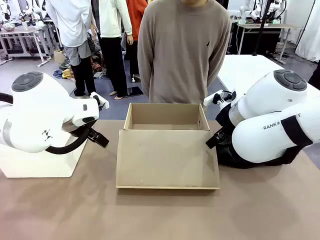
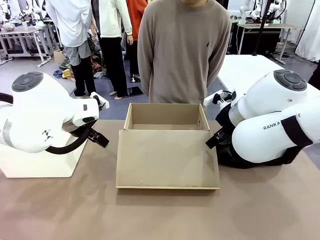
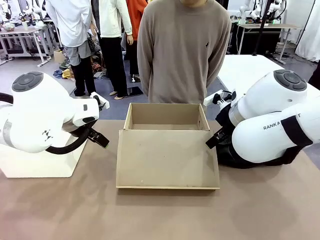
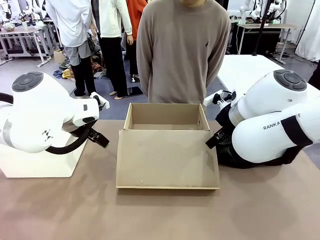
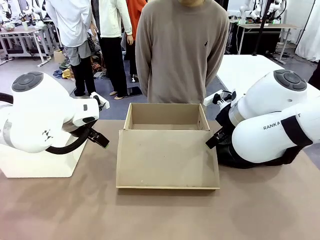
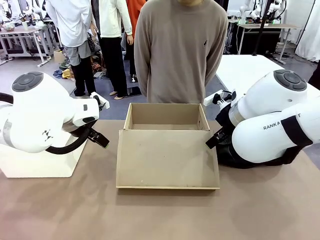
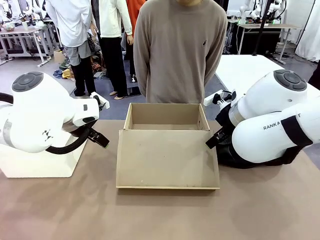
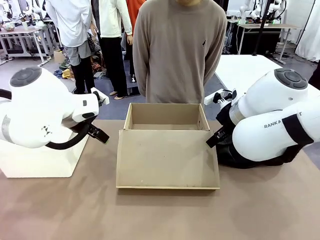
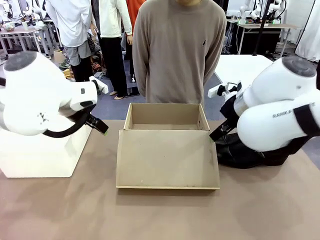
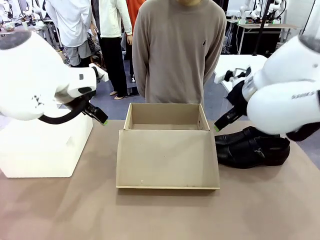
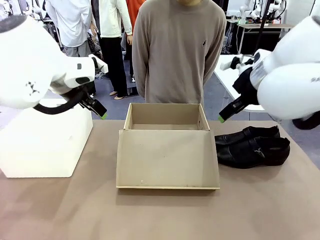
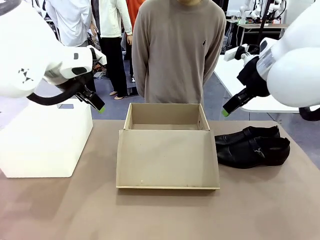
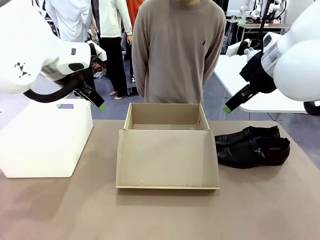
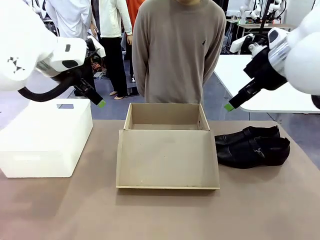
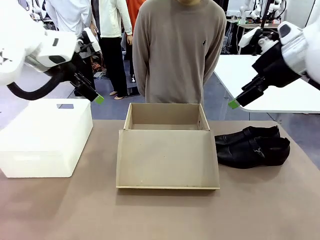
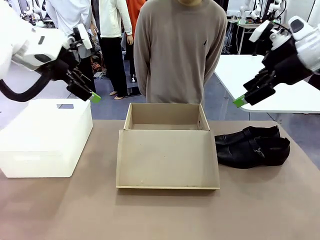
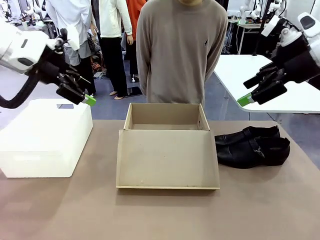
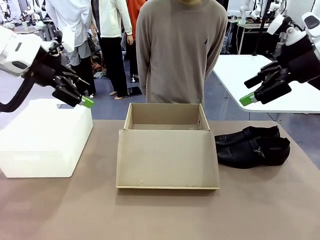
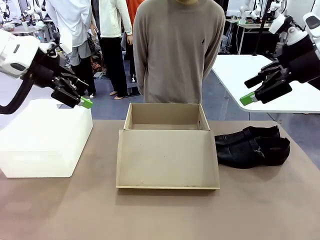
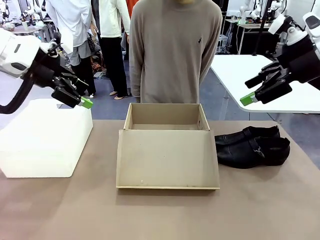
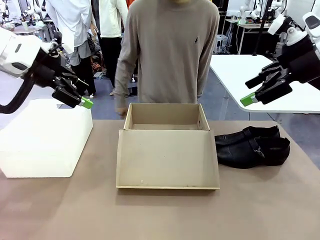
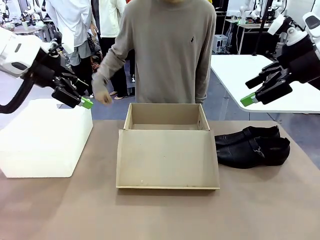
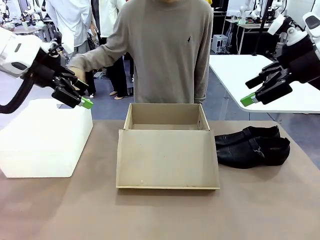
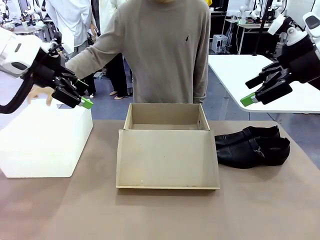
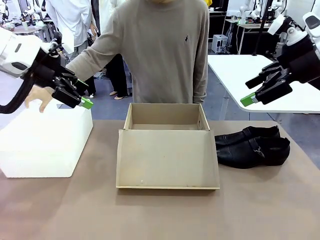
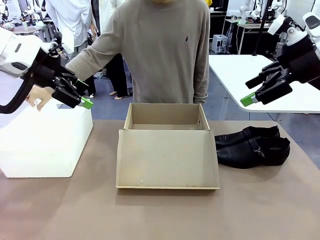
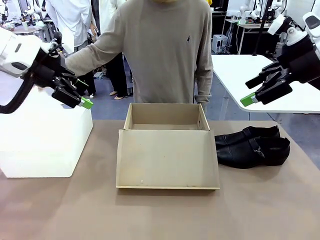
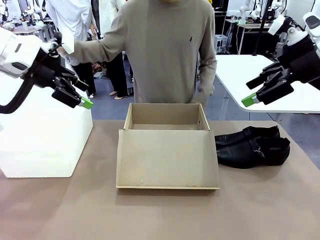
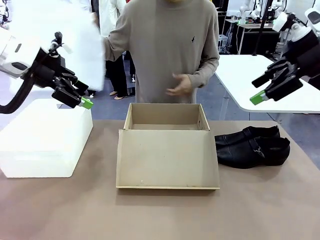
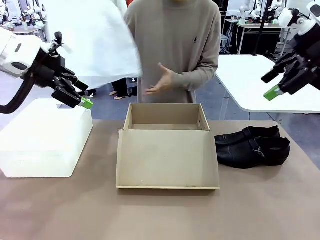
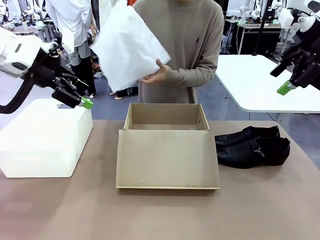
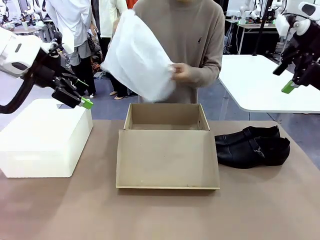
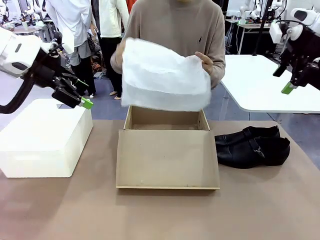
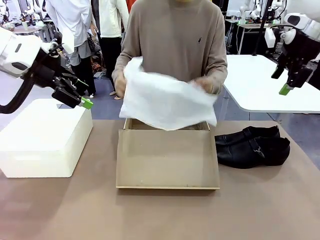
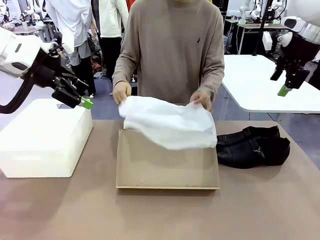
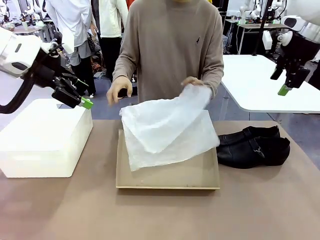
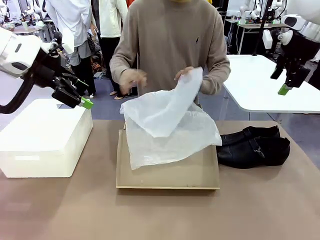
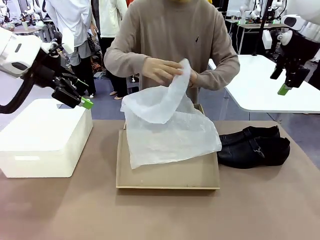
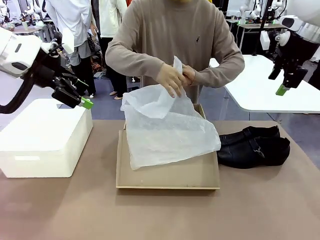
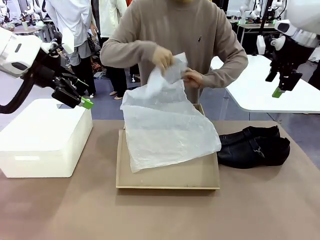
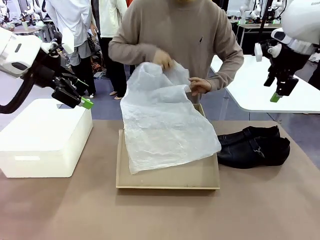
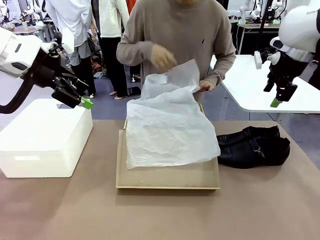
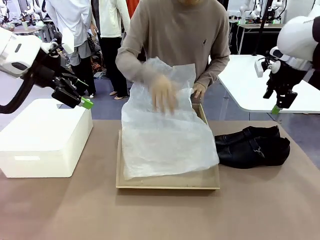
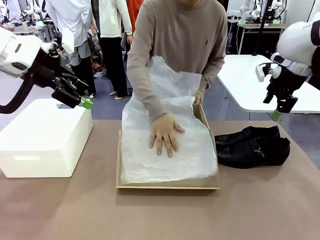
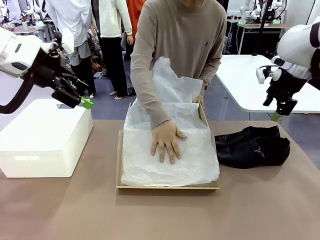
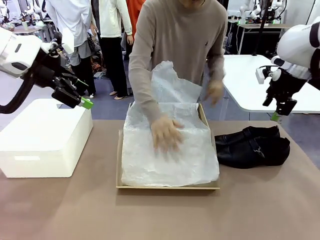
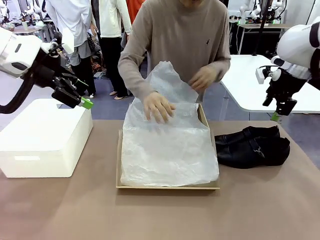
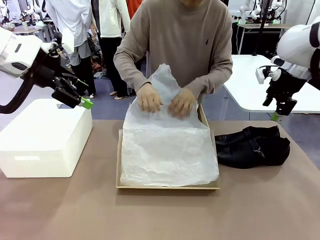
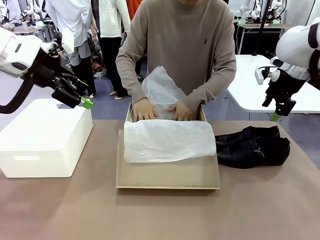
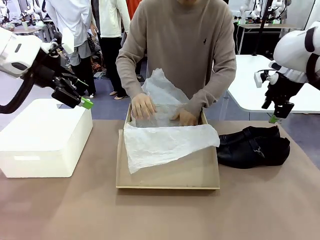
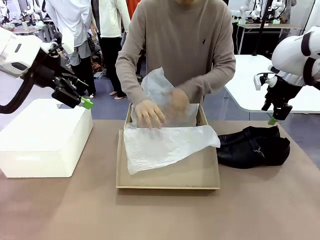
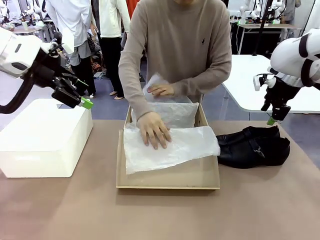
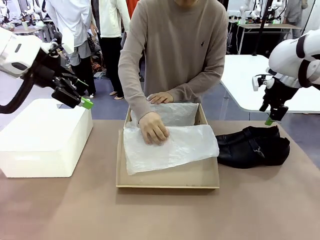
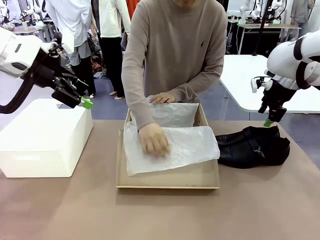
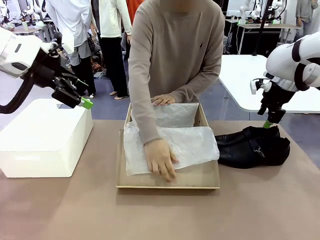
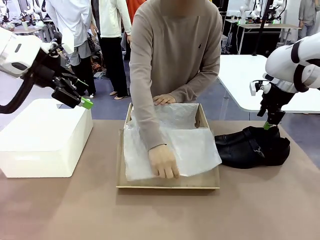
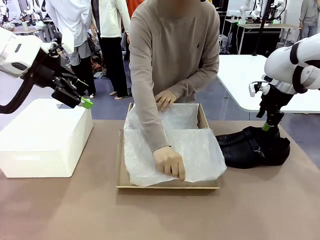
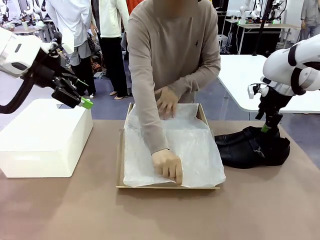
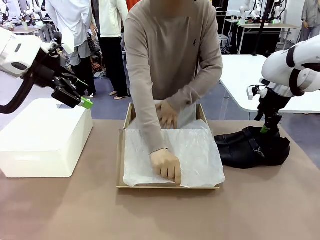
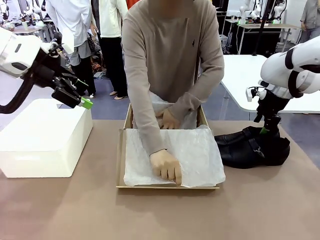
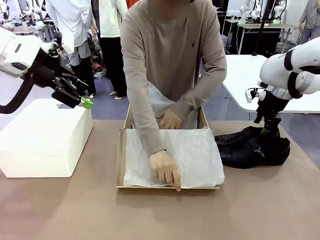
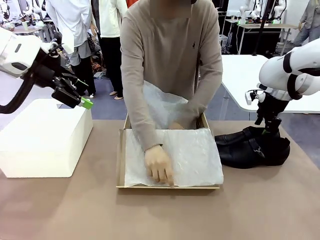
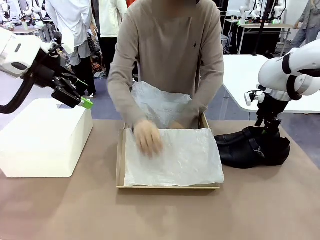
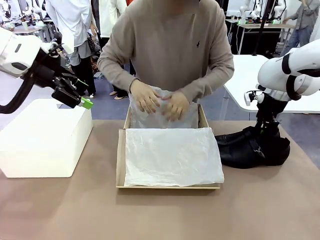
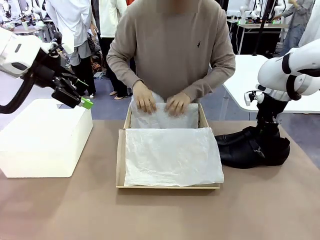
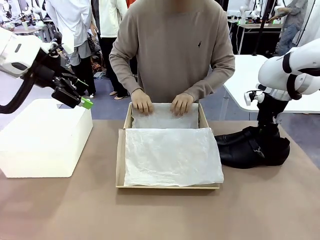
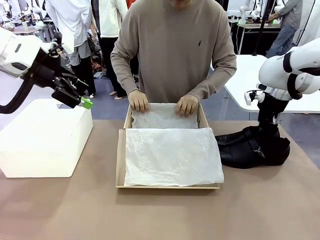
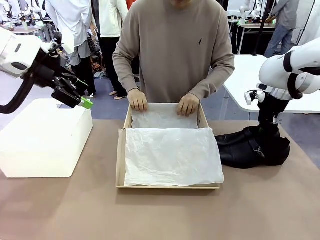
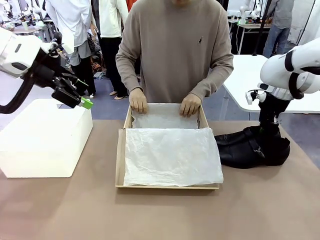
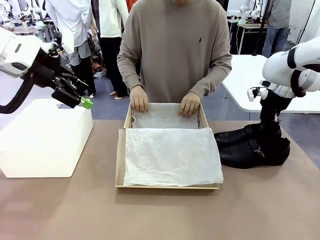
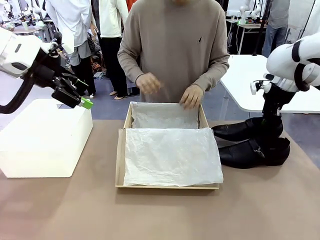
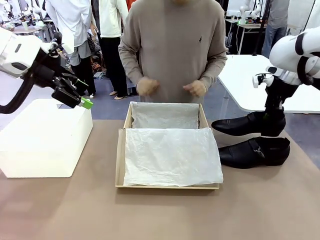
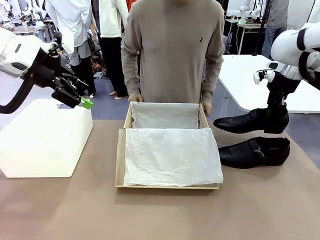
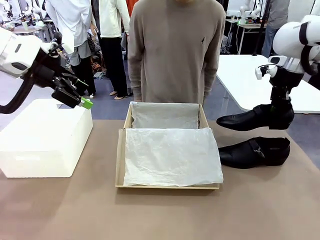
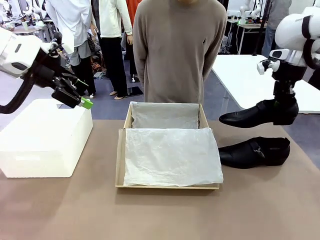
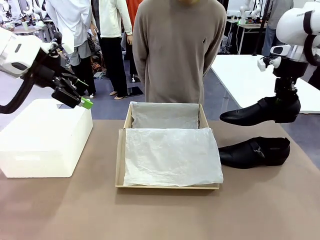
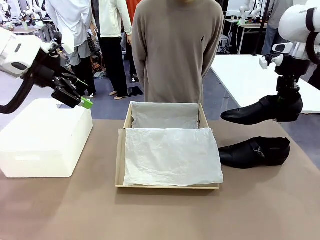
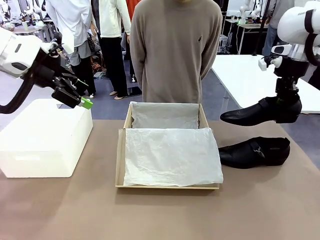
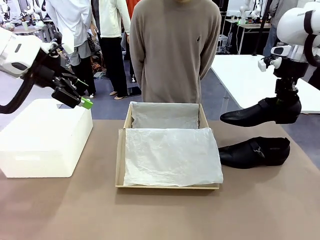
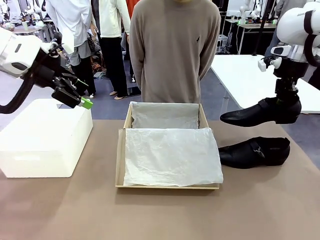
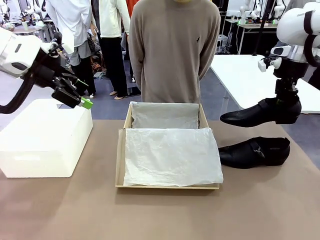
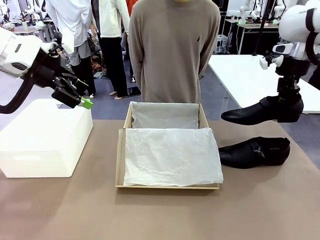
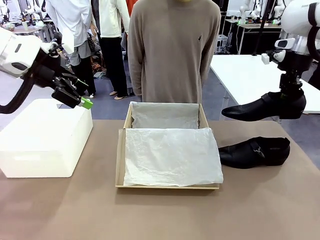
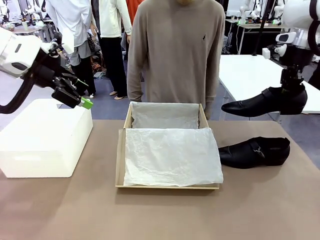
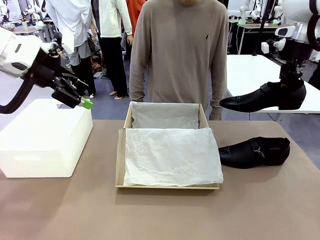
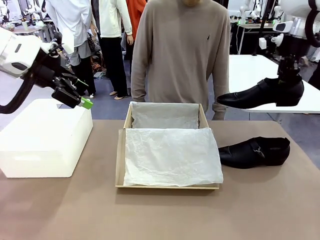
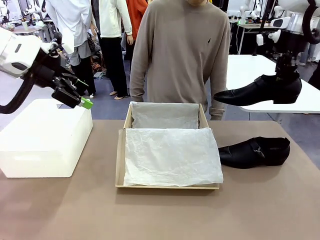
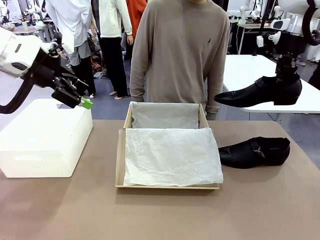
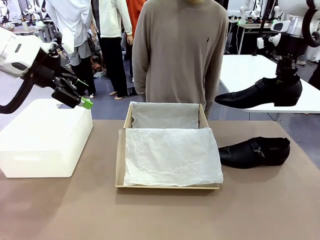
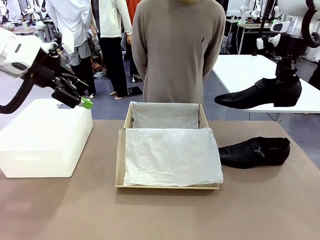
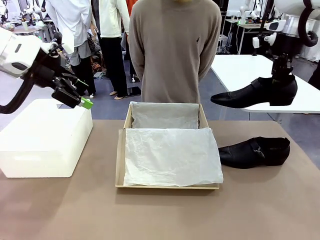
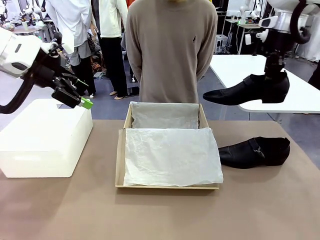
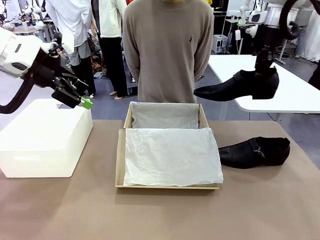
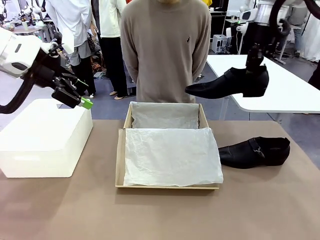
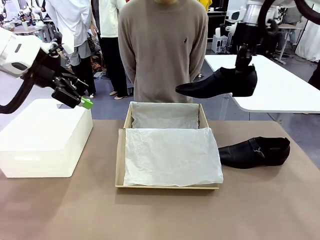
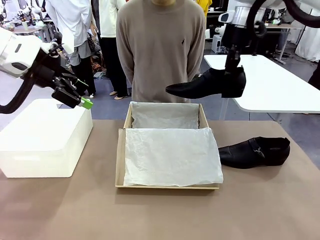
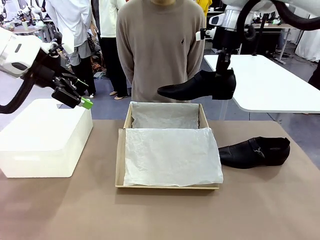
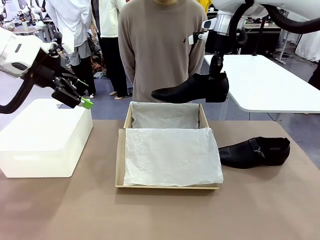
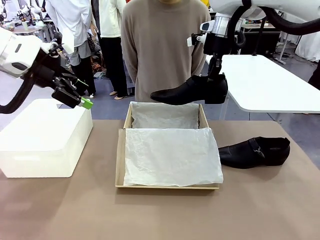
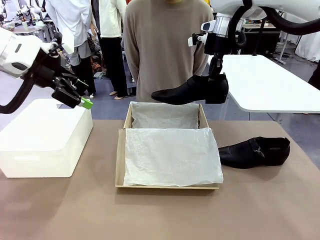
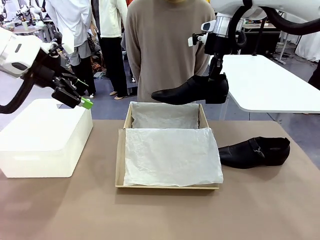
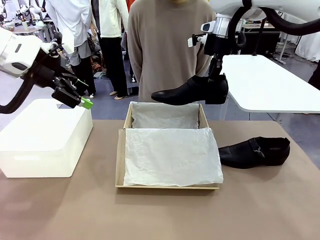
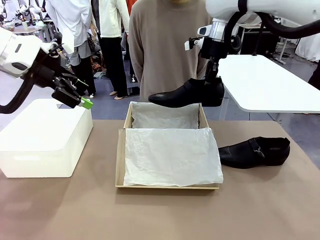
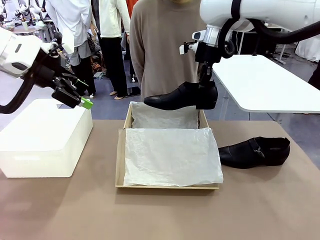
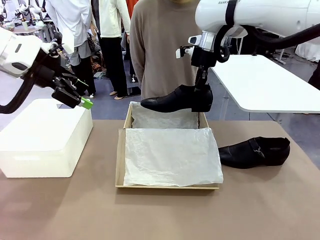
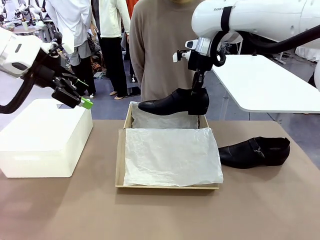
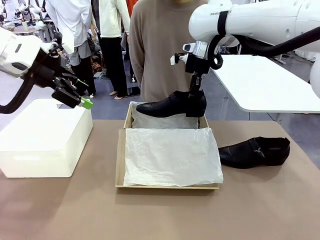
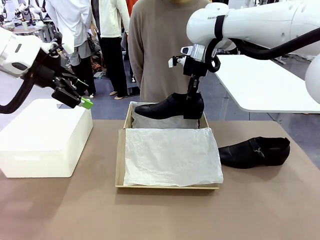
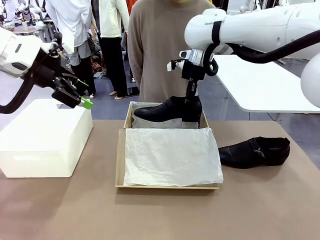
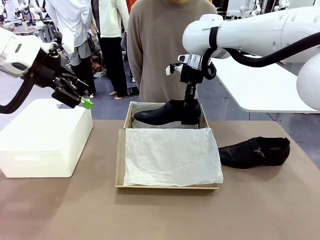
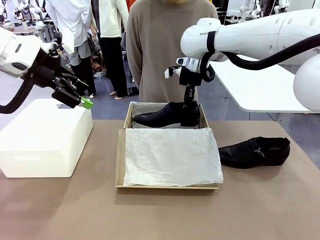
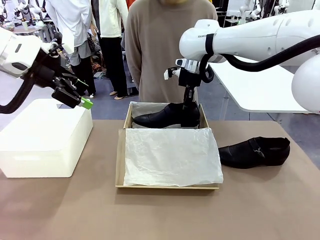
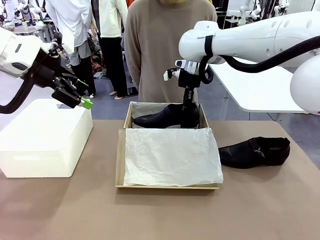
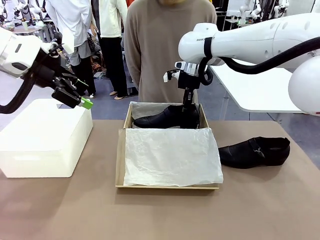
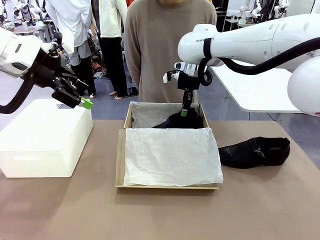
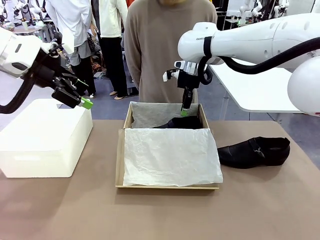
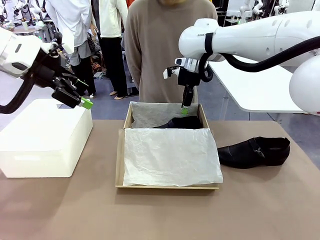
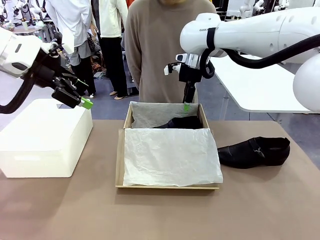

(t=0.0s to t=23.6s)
Task: Pack the shoes into the box.
Robot: Place one shoe of the Shoes into the Shoes Box.
Person: Spread Shoes Wrapping Paper and place inside the Shoes Box.
